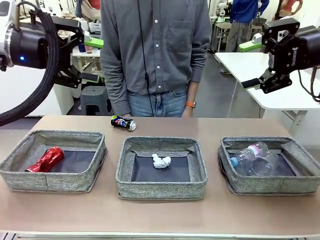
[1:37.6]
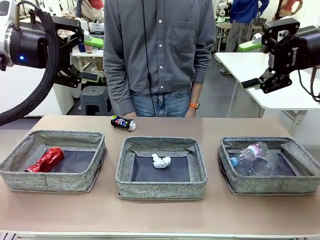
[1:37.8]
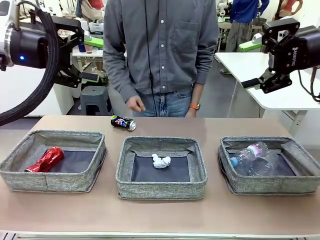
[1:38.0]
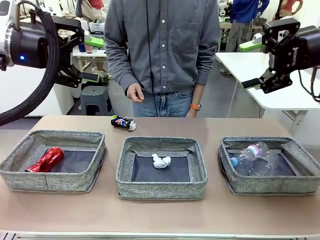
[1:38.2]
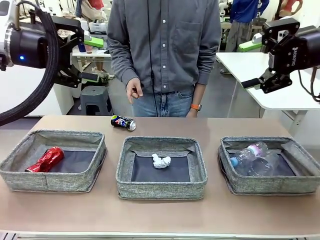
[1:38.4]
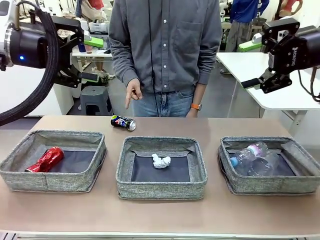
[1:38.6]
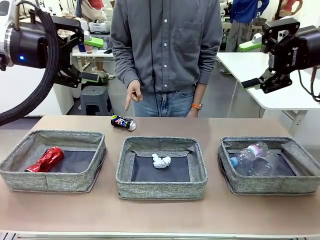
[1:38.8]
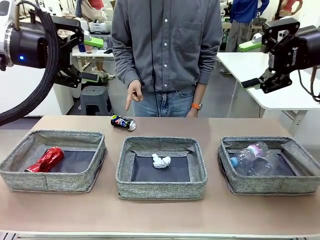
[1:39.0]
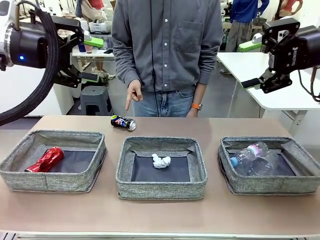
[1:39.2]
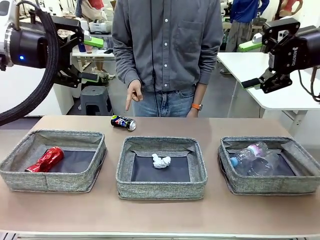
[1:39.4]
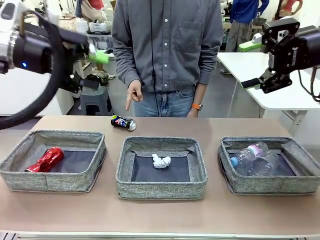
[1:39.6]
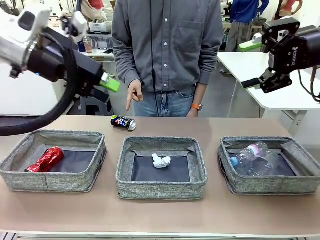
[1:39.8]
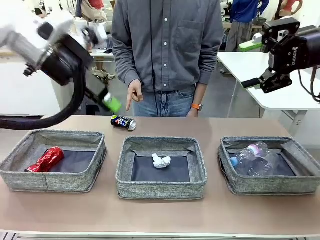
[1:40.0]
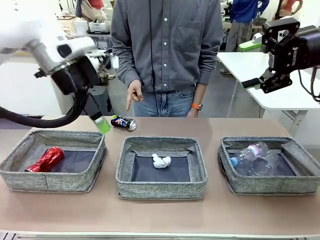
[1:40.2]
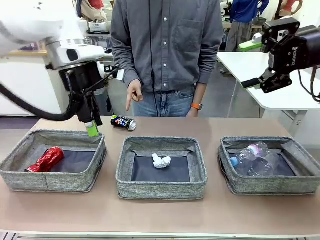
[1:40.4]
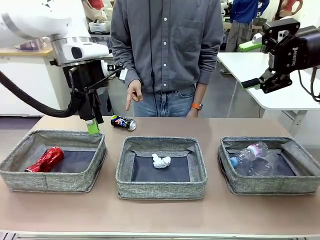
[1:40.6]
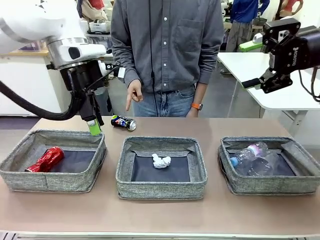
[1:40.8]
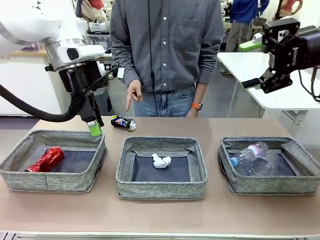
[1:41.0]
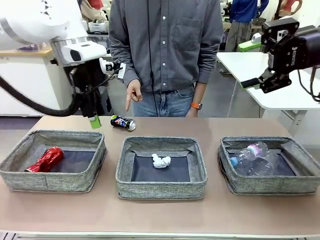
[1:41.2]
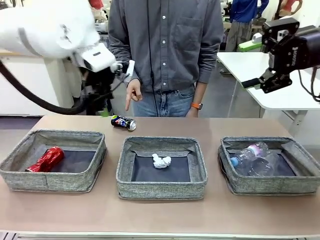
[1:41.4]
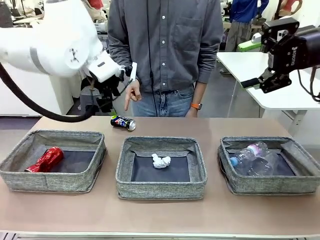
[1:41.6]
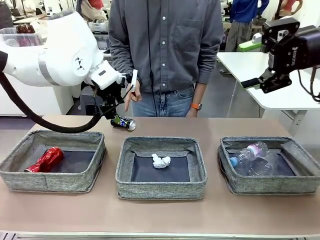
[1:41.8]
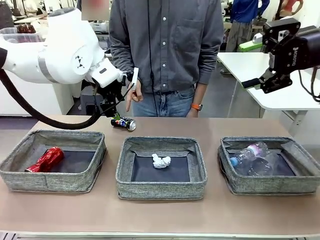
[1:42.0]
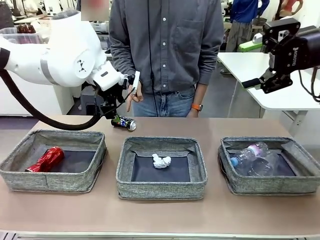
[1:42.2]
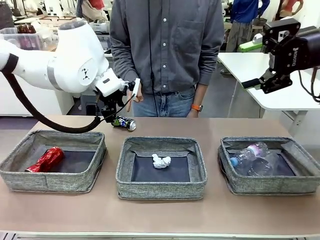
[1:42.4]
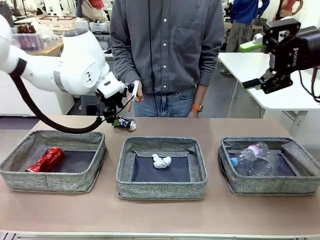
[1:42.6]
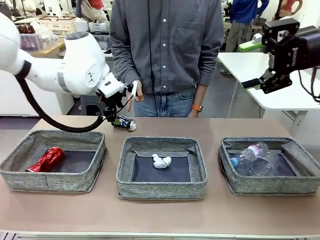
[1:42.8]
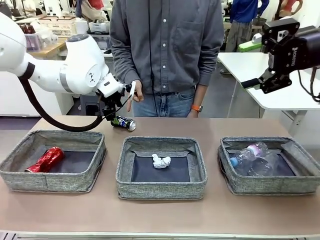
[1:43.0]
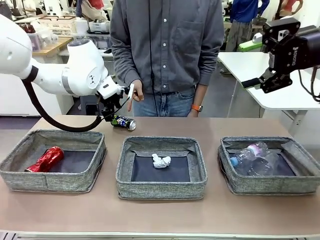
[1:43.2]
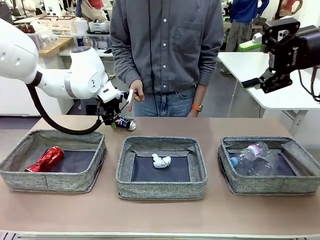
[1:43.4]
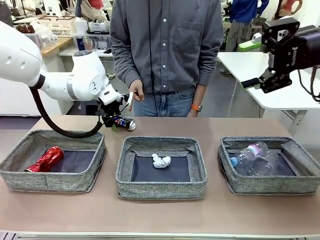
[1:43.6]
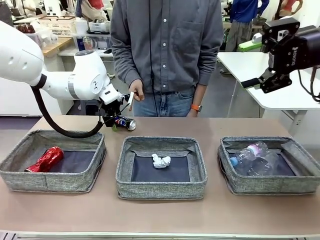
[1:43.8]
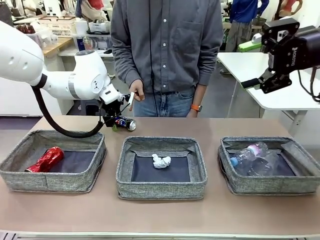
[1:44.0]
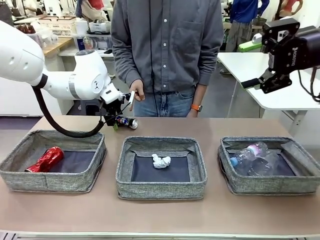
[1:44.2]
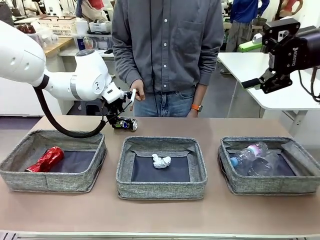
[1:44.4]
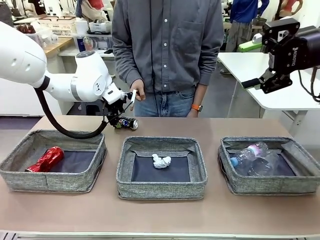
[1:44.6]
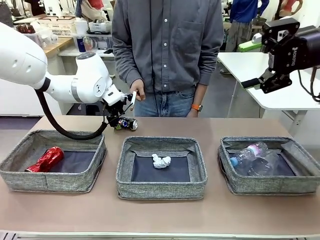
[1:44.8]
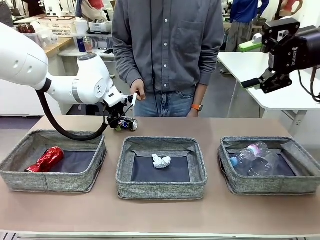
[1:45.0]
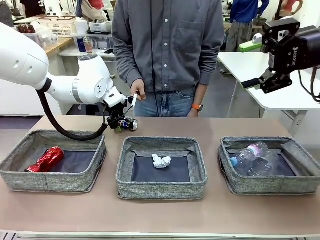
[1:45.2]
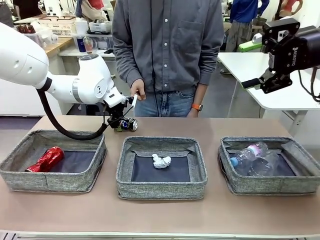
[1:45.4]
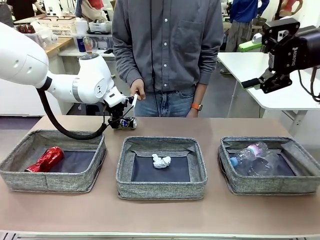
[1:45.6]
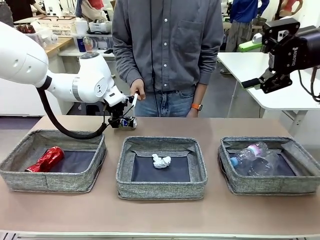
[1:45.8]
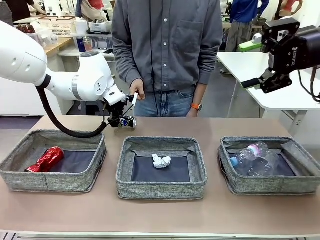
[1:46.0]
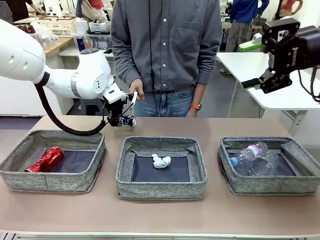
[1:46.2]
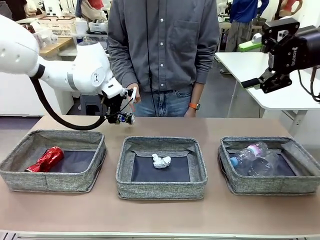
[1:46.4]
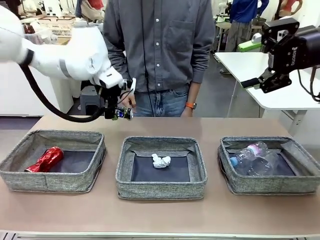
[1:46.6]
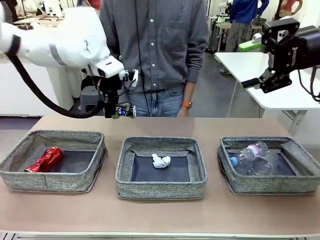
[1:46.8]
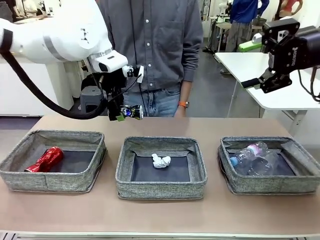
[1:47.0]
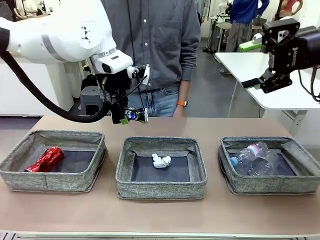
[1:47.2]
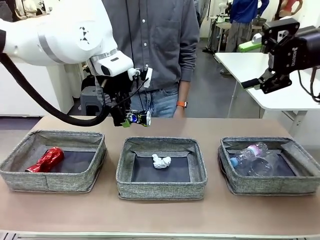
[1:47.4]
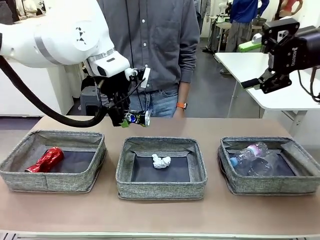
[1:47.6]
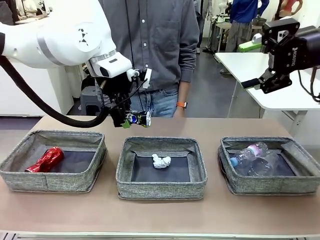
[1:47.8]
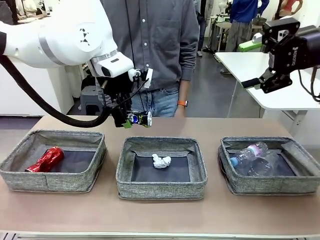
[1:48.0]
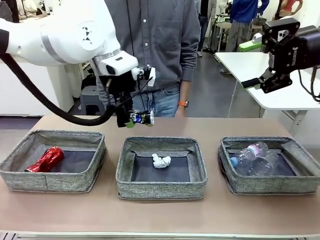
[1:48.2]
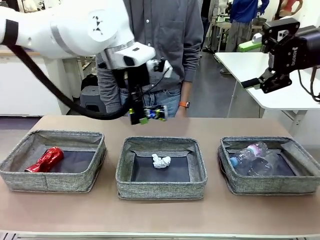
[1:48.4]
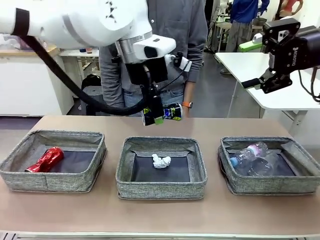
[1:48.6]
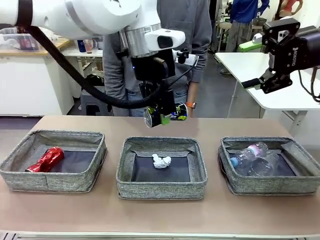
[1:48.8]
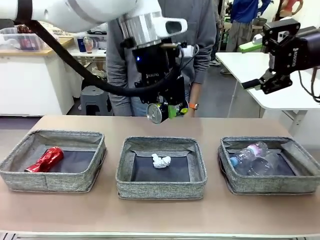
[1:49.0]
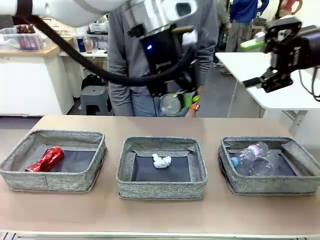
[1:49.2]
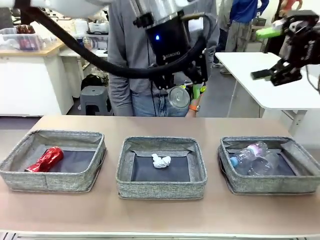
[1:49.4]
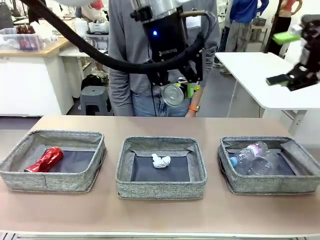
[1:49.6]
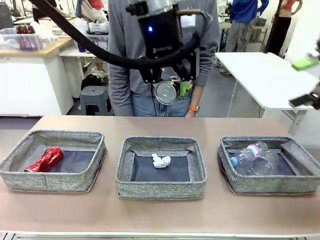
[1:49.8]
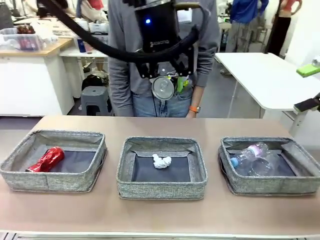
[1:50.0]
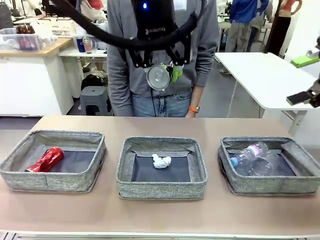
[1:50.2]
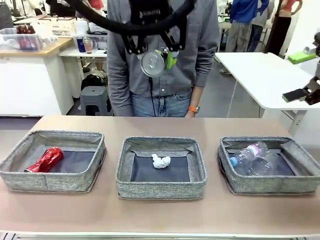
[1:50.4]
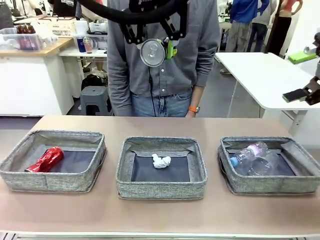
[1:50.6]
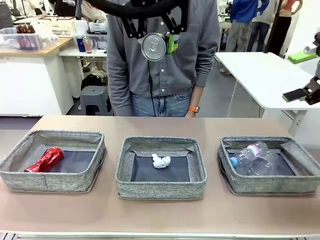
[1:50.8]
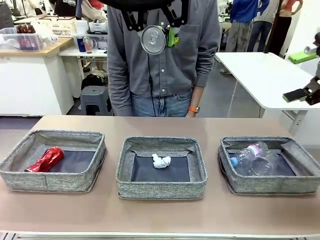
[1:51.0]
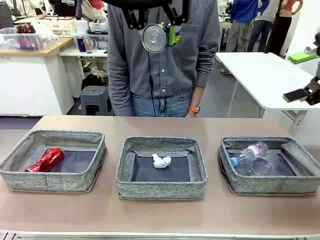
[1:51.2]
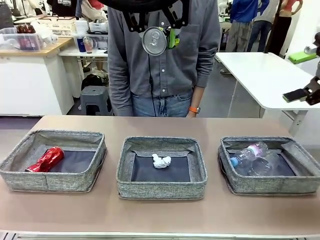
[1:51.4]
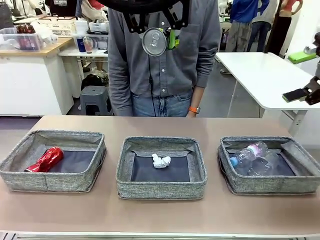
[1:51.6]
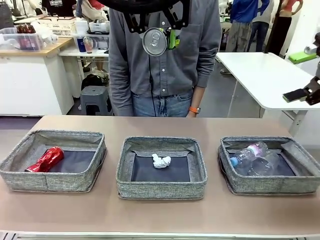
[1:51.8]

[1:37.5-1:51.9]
Task: Sort the waste into the appropriate baskets.
Robot: Pick up the waste item pointed out by the person.
Person: Points to one piece of trash on the table.

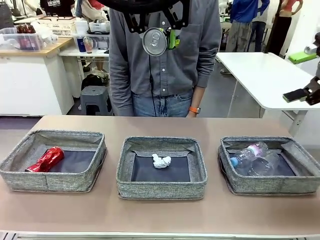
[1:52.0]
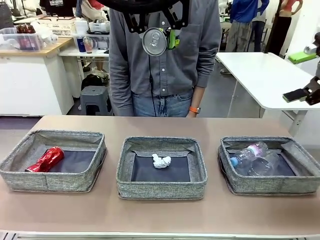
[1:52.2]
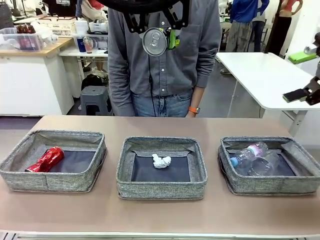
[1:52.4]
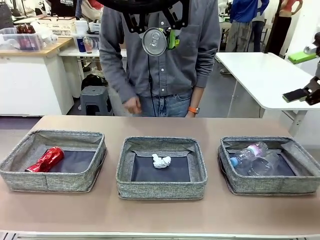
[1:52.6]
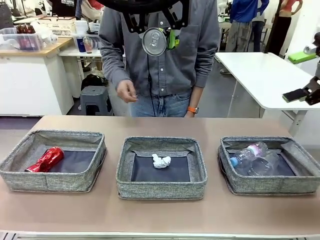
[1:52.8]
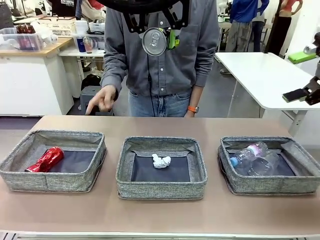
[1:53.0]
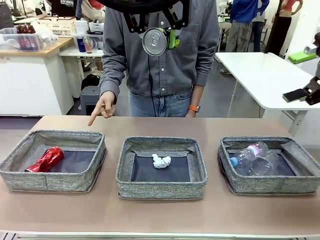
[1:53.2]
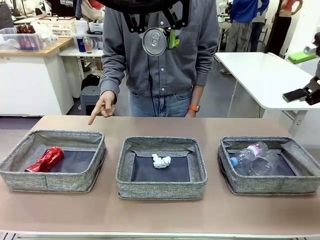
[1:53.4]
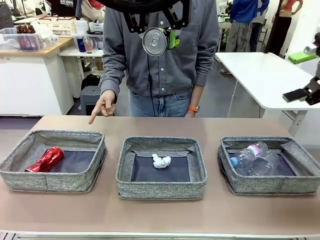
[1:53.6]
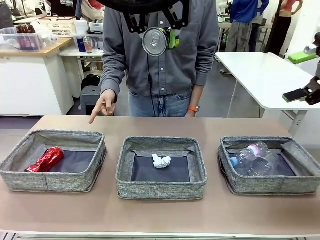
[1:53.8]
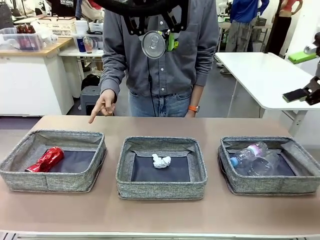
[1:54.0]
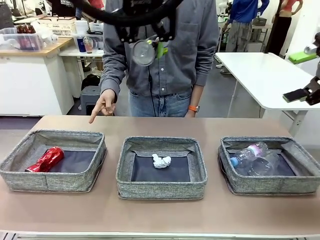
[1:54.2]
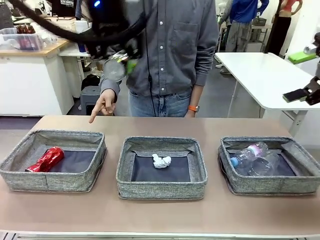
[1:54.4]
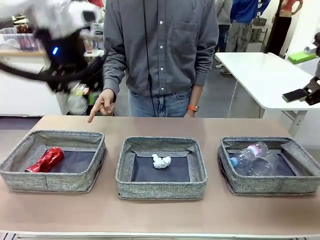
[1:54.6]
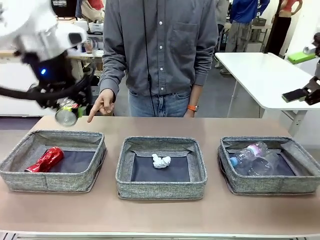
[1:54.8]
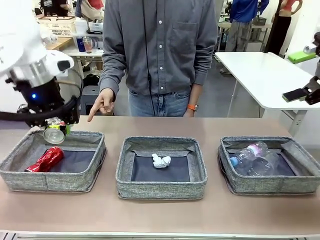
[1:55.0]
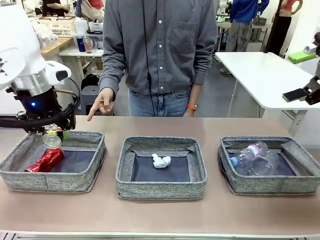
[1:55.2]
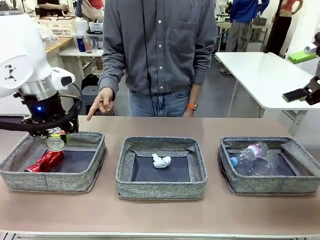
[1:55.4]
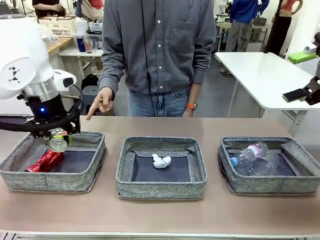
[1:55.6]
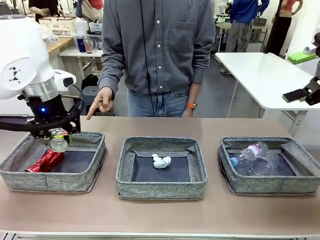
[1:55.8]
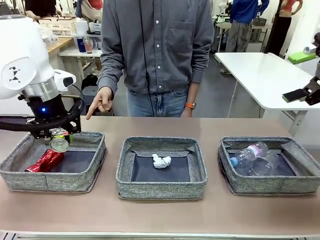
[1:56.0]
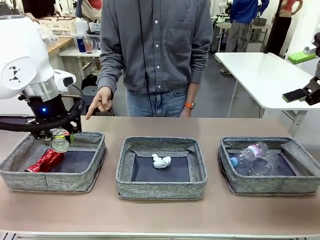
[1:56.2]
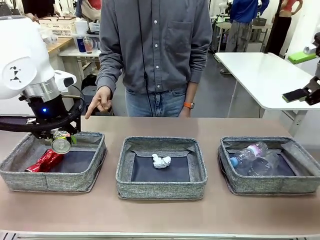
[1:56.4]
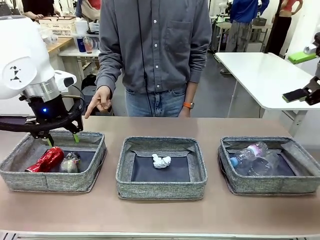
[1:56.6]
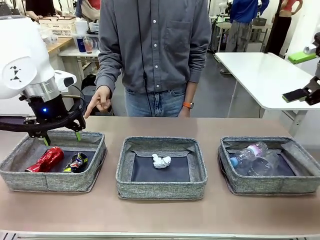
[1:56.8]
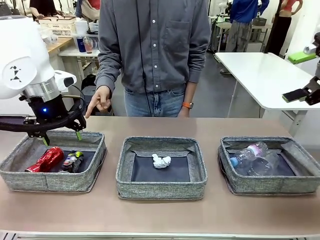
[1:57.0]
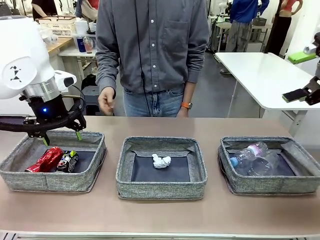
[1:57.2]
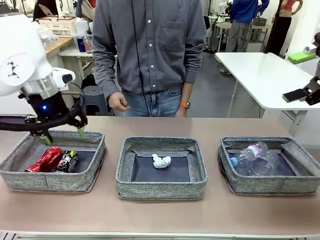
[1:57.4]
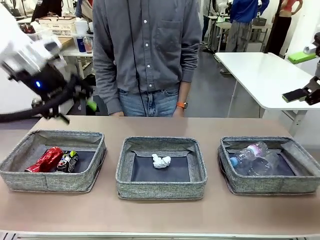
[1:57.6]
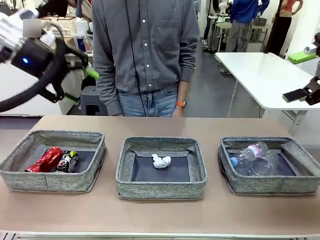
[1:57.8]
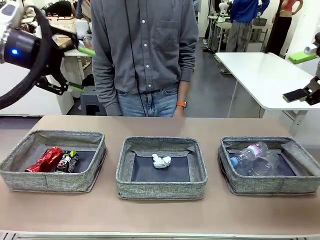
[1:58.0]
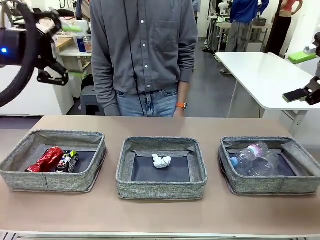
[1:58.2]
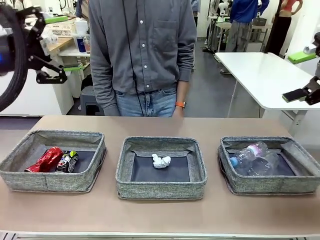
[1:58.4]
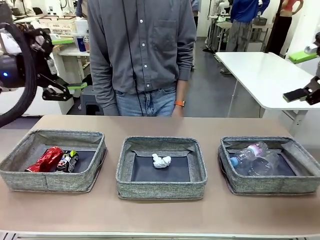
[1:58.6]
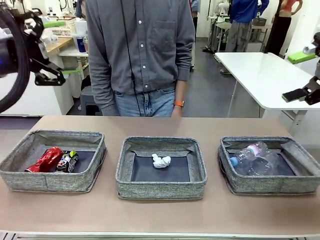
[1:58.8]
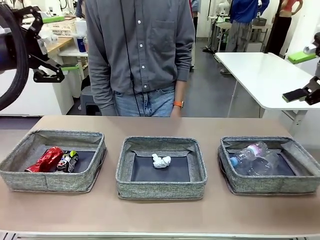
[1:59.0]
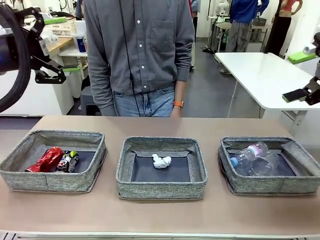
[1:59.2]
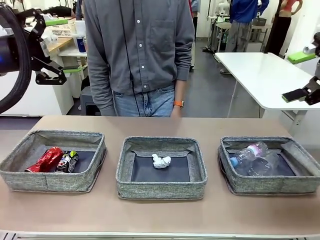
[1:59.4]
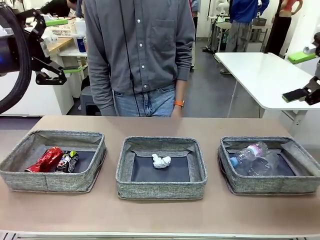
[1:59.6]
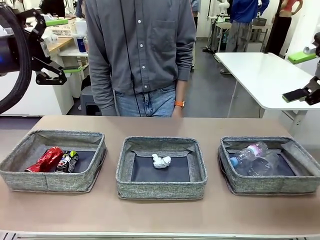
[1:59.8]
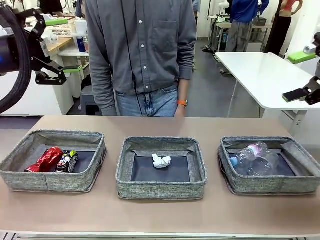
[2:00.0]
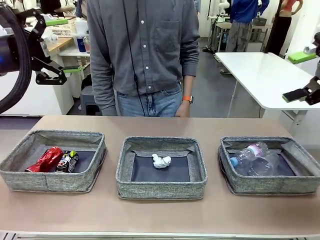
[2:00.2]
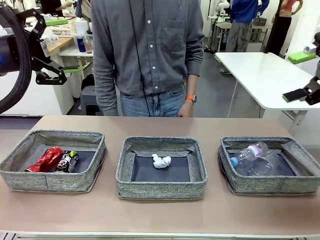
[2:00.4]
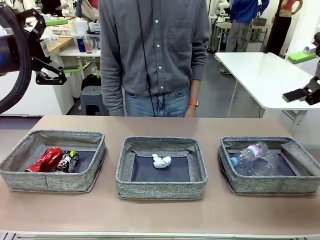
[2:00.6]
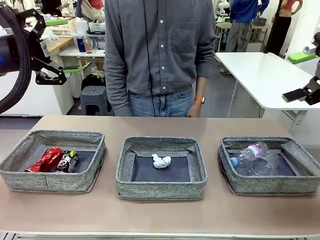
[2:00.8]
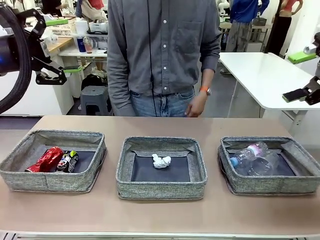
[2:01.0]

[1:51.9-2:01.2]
Robot: Place the picked waste into the Fabric basket indicated by the person.
Person: Instructs the robot to place the picked-up trash into the appropriate organizing basket.
